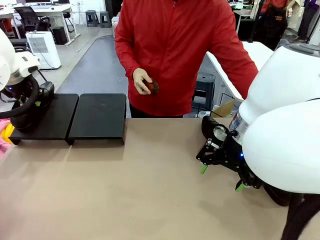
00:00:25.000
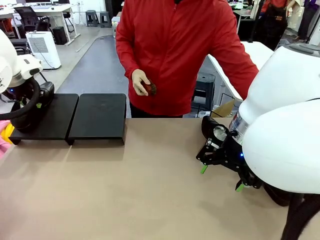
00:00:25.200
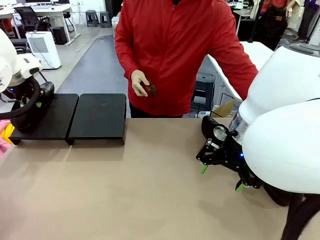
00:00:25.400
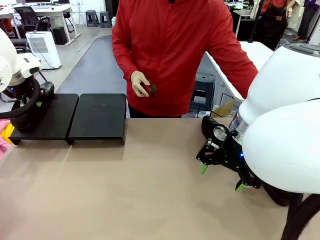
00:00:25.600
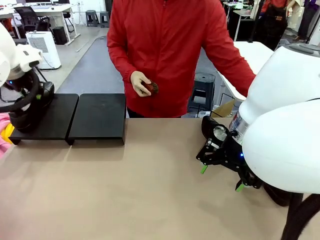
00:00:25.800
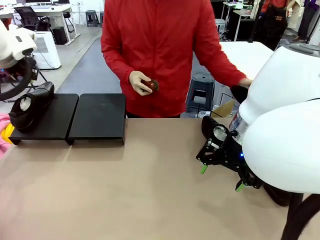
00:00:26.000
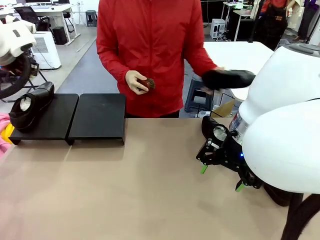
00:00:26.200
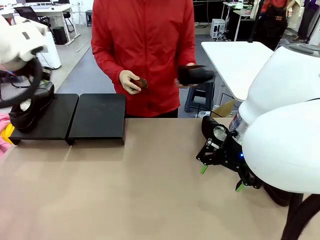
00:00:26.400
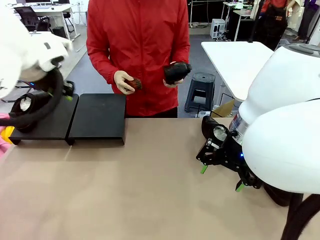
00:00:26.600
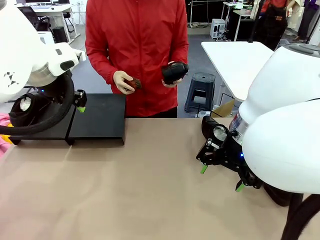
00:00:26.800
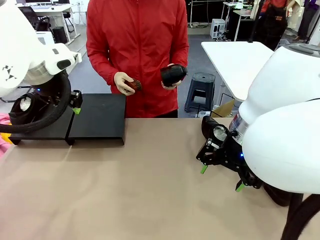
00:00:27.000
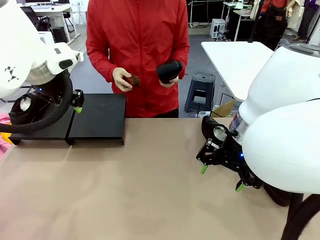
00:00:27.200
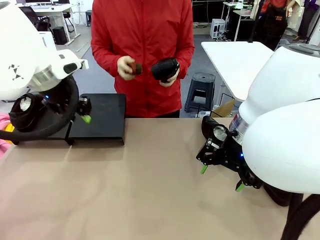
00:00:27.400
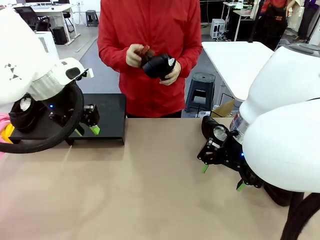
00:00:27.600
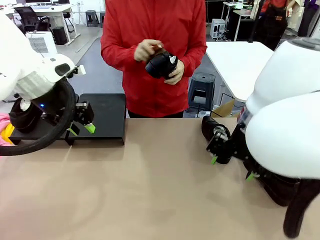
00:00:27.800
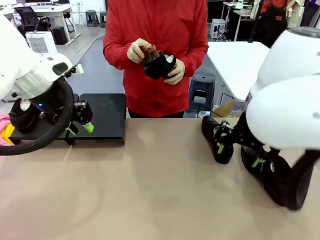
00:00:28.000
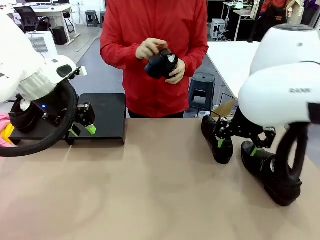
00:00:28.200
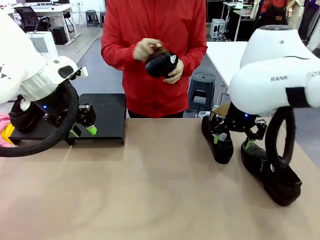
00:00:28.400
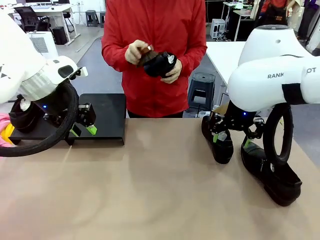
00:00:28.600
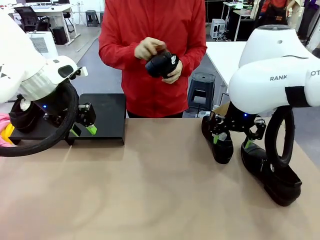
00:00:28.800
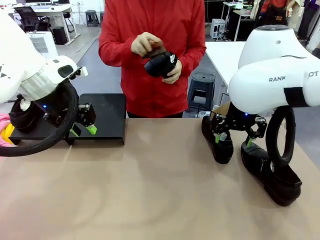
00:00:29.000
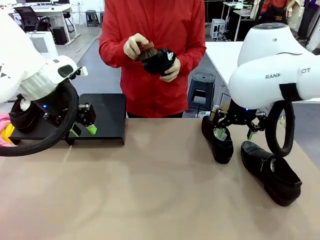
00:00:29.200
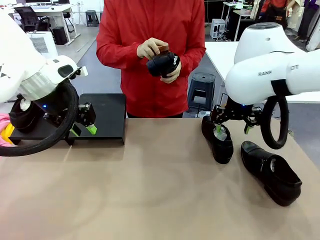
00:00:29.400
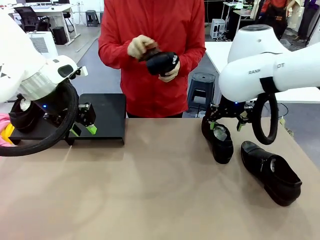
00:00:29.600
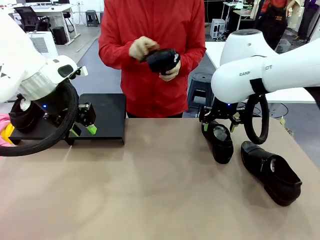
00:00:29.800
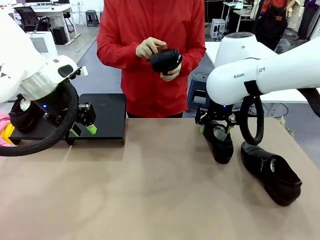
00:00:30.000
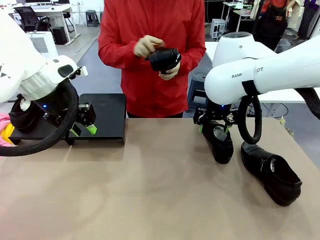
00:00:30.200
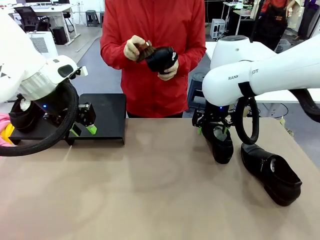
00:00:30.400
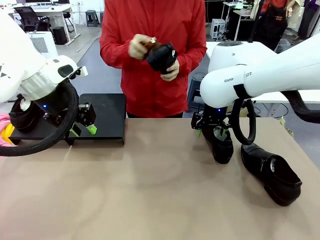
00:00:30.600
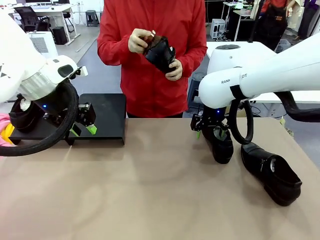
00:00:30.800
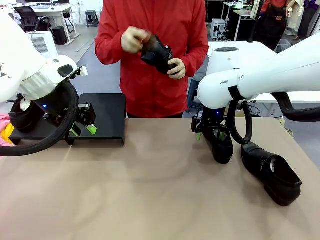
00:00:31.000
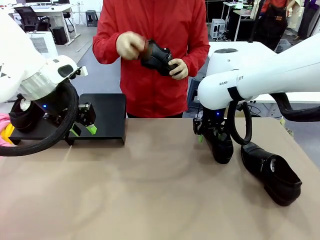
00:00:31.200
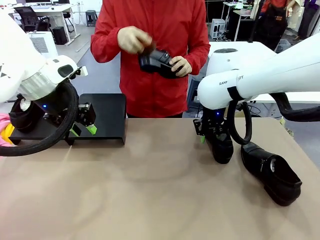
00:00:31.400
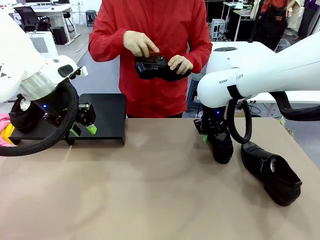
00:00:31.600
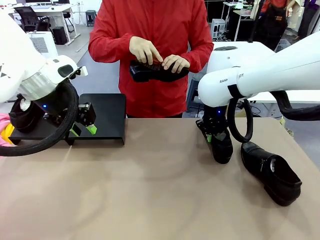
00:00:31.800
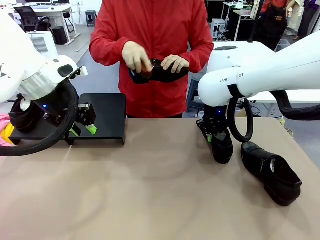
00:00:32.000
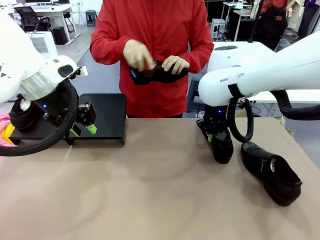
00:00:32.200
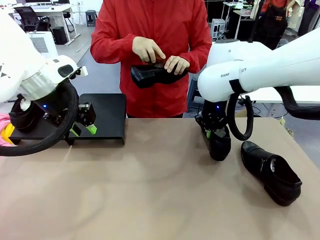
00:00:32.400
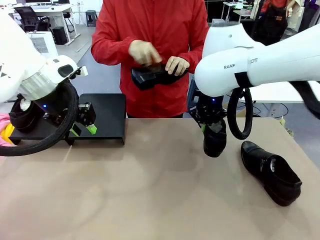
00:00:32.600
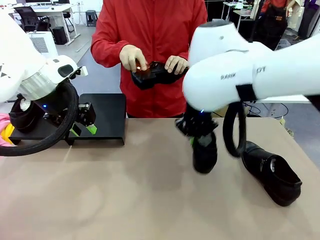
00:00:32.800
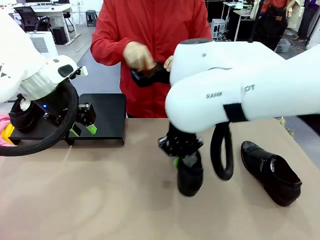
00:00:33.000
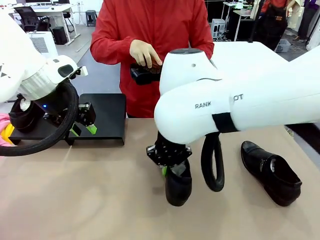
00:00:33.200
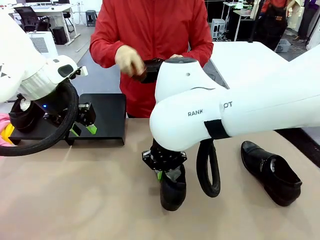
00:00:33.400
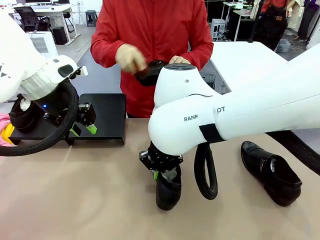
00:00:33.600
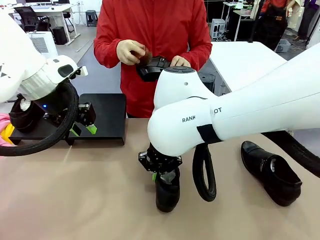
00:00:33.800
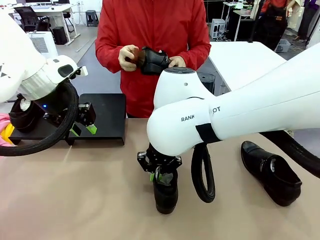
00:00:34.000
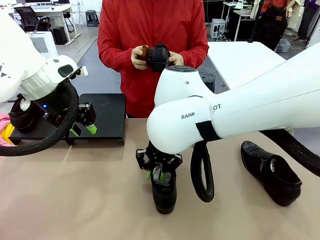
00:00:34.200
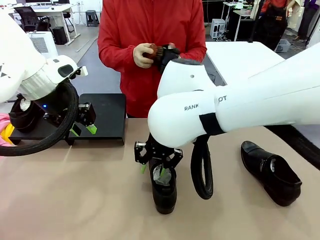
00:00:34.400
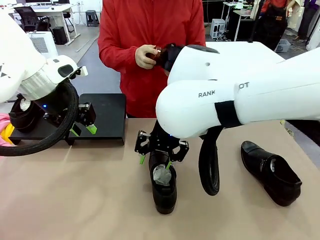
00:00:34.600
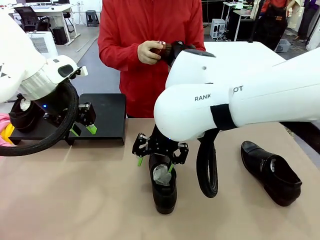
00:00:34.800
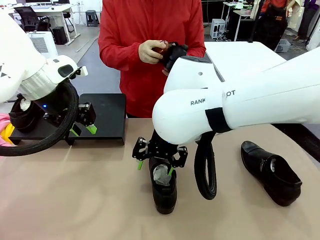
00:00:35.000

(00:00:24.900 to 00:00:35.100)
Task: Organize the shoes by placing them on the stand.
Robot: Pick up one Shoe and place it in the middle of the table.
Person: Pick one Shoe on Robot's table.

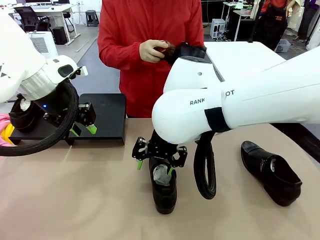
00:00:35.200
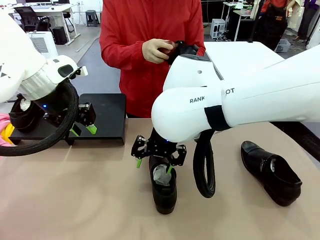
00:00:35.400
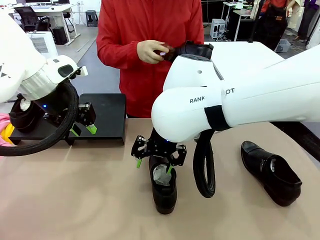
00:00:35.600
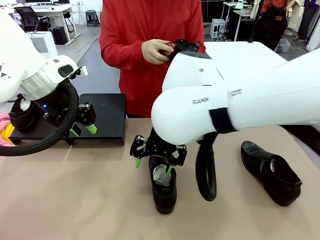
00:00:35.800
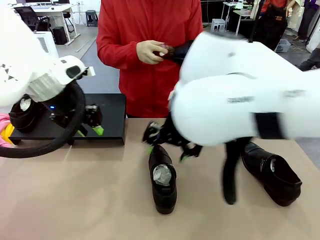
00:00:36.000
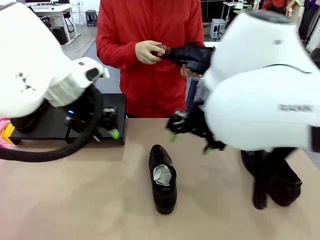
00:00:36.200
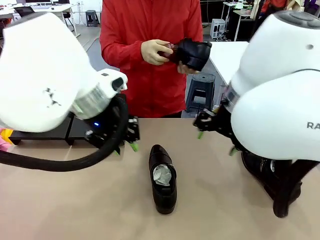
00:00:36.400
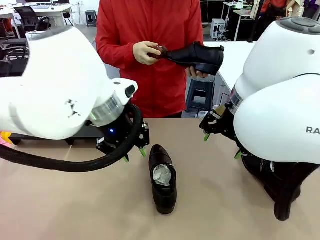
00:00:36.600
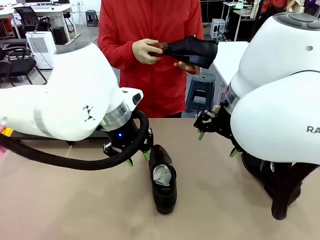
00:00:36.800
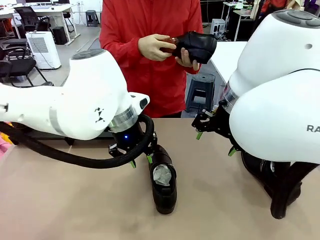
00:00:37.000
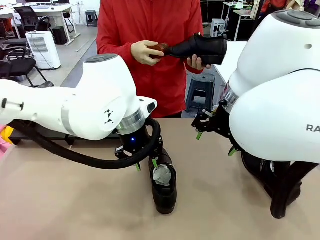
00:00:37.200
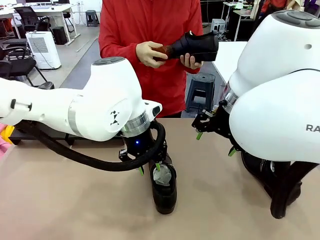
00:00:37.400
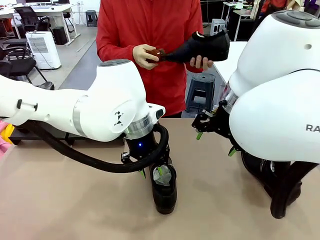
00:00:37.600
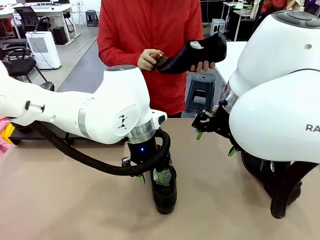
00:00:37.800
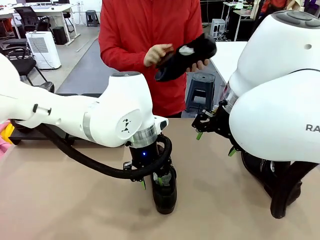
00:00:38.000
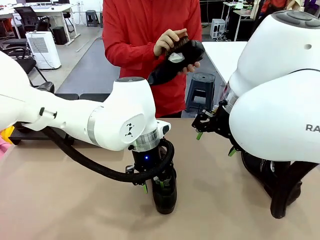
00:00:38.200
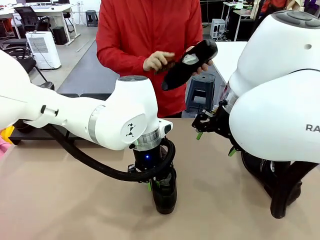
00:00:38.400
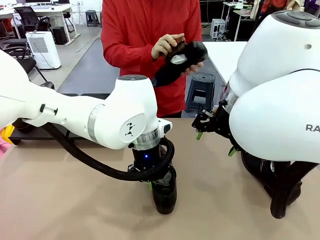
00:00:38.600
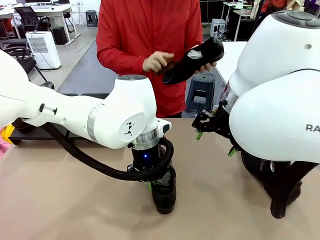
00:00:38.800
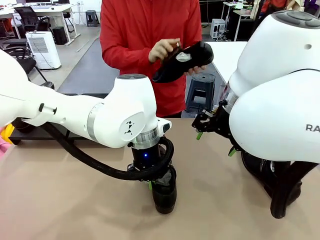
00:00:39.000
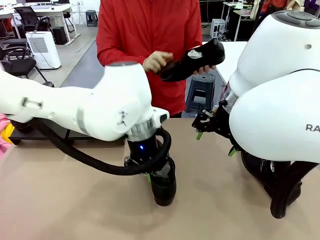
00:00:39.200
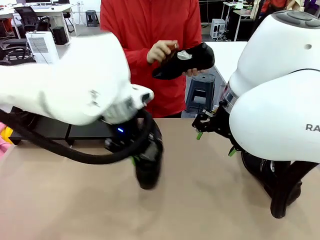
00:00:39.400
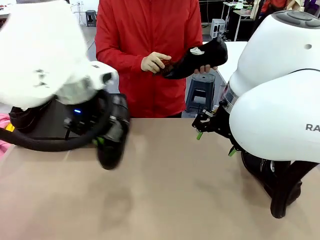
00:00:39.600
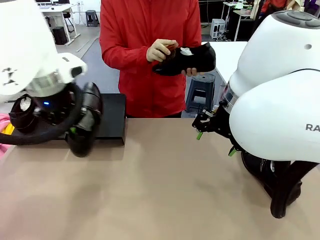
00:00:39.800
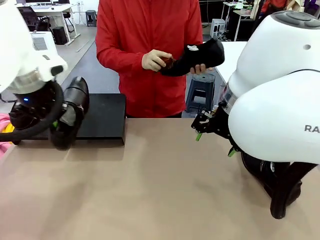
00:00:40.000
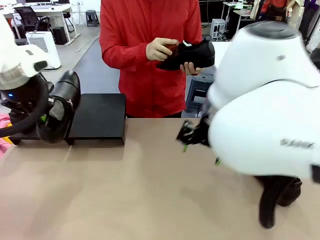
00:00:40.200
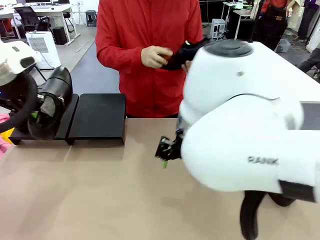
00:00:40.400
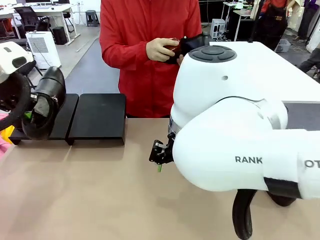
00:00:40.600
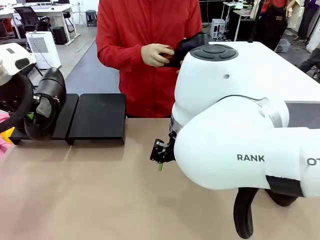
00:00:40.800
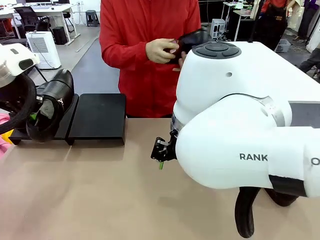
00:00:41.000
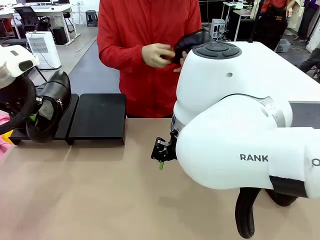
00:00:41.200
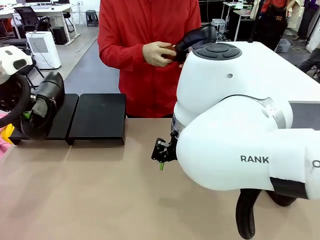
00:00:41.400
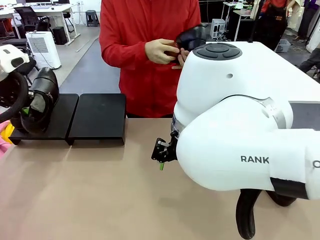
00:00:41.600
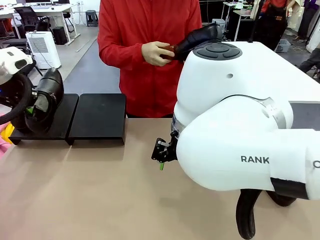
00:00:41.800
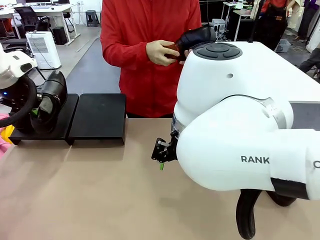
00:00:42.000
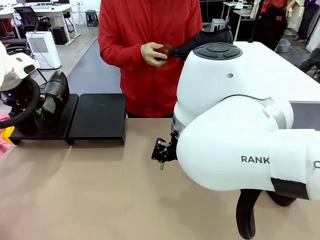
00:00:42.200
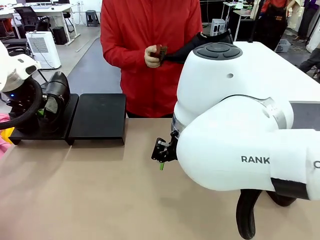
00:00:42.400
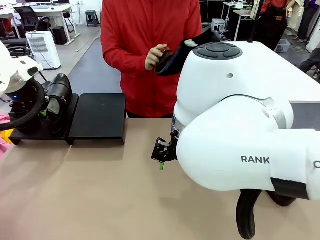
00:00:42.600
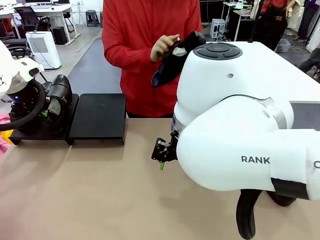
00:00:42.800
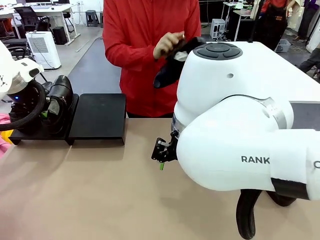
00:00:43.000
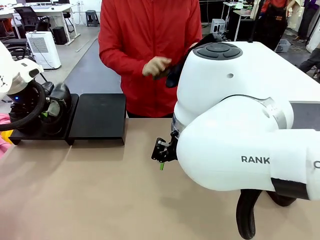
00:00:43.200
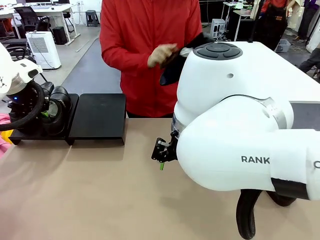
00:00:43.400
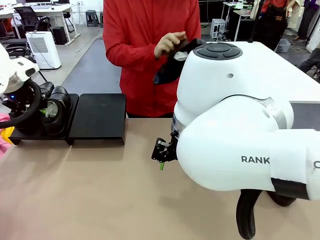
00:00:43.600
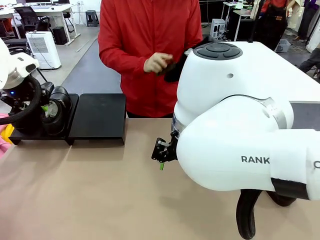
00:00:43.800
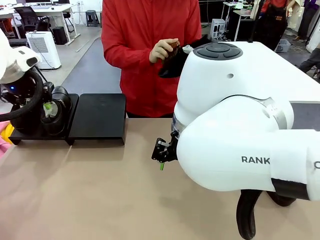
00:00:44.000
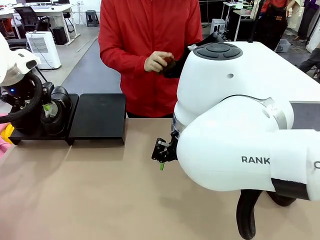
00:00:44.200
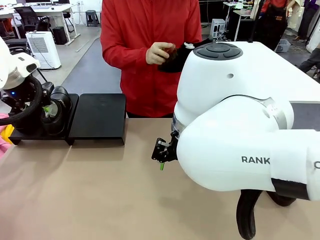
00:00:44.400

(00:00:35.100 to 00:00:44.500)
Robot: Place the Shoe from the middle of the table onto the Shoes Stand.
